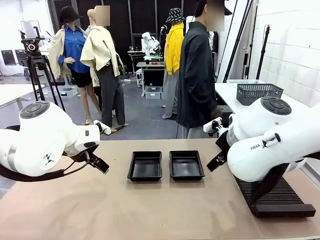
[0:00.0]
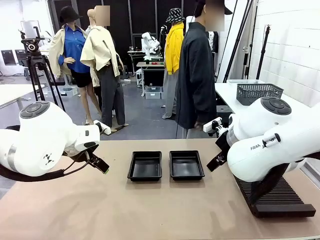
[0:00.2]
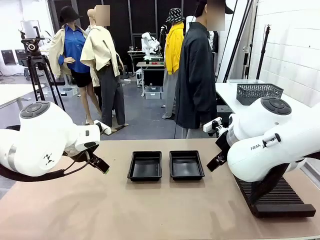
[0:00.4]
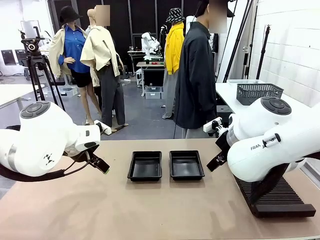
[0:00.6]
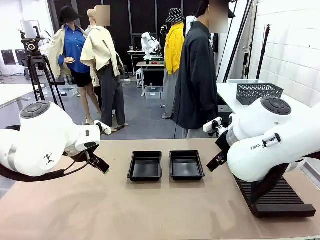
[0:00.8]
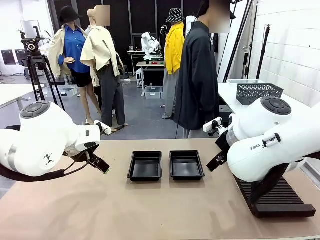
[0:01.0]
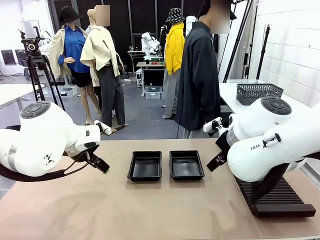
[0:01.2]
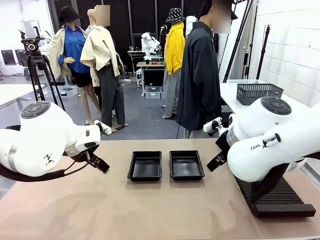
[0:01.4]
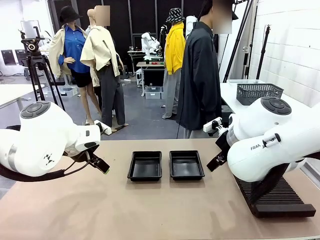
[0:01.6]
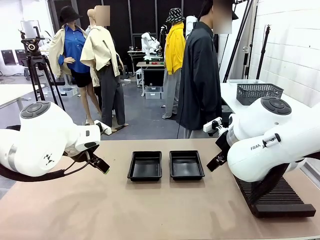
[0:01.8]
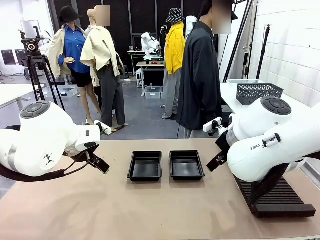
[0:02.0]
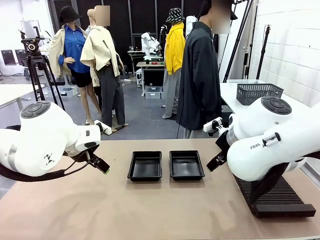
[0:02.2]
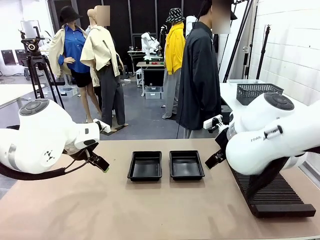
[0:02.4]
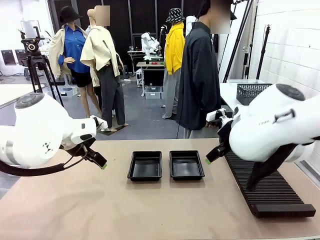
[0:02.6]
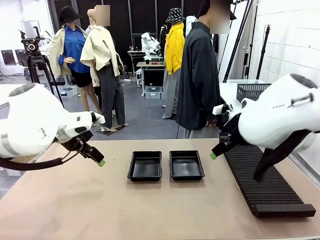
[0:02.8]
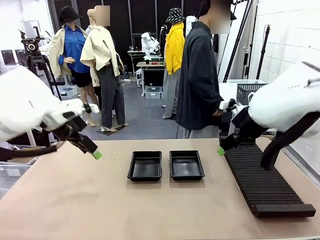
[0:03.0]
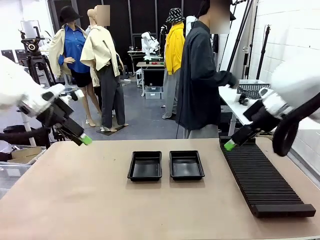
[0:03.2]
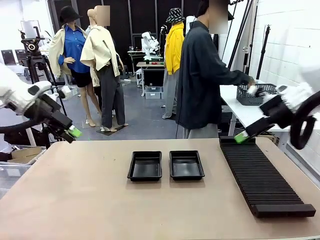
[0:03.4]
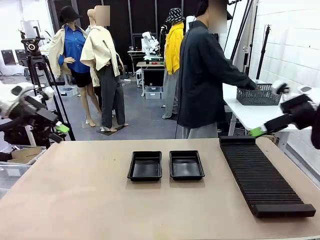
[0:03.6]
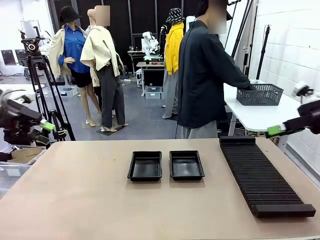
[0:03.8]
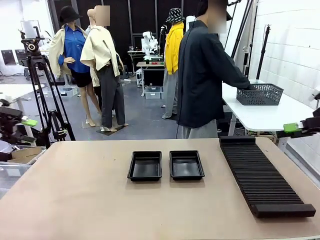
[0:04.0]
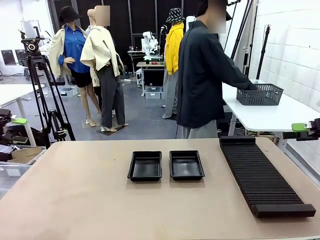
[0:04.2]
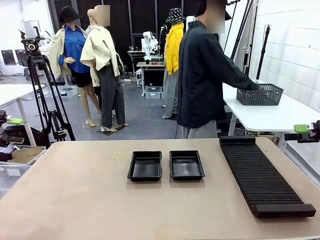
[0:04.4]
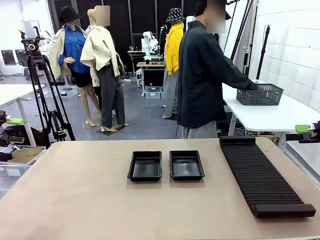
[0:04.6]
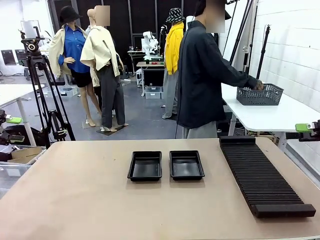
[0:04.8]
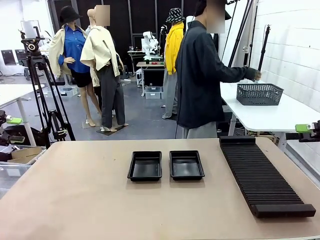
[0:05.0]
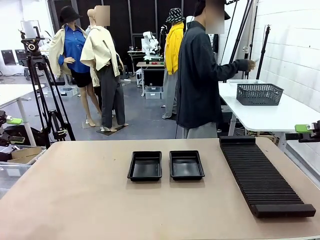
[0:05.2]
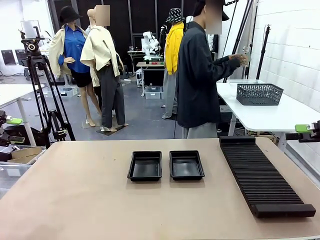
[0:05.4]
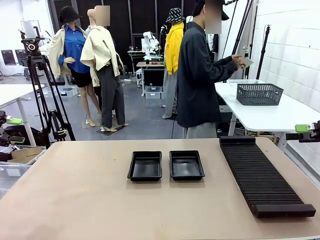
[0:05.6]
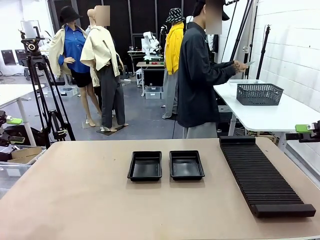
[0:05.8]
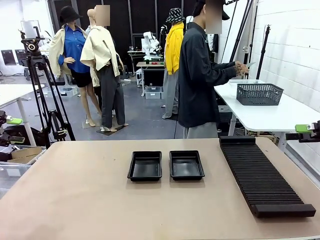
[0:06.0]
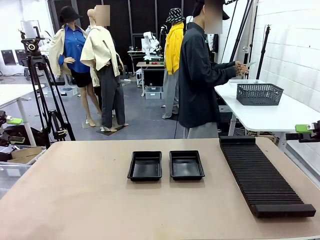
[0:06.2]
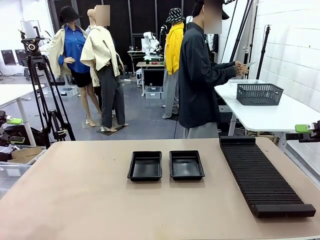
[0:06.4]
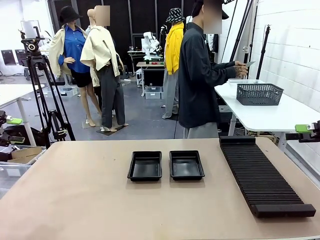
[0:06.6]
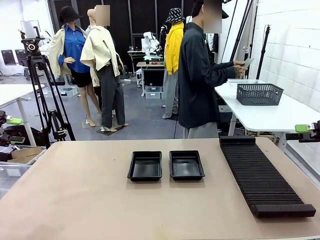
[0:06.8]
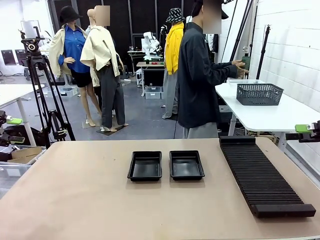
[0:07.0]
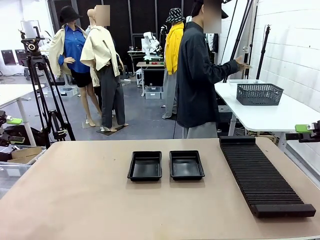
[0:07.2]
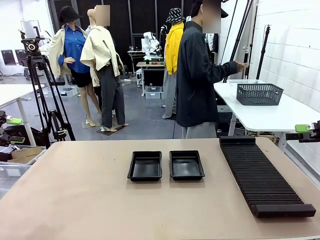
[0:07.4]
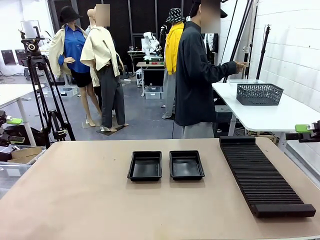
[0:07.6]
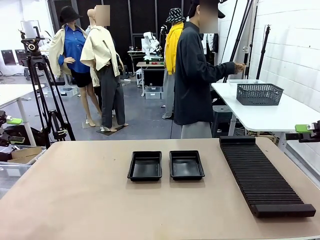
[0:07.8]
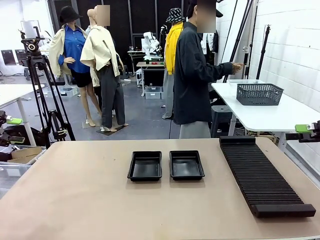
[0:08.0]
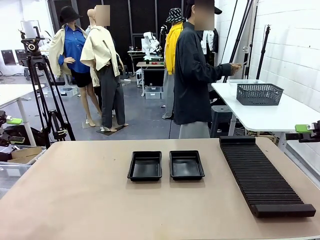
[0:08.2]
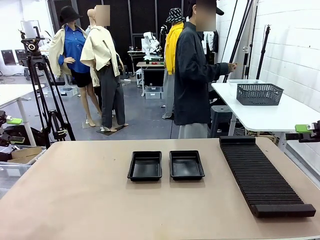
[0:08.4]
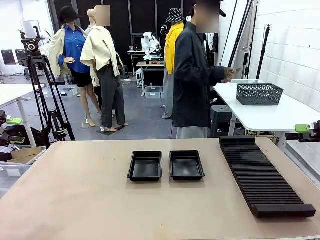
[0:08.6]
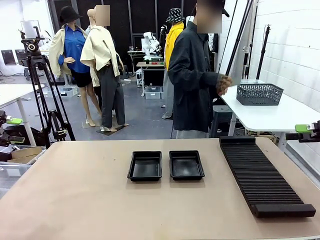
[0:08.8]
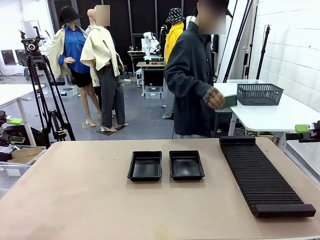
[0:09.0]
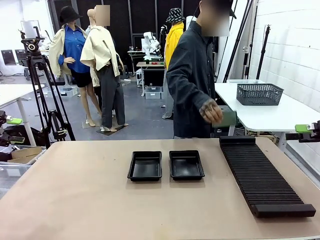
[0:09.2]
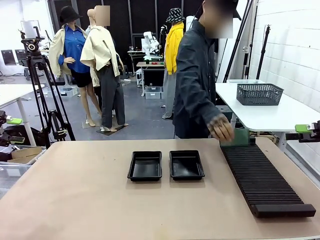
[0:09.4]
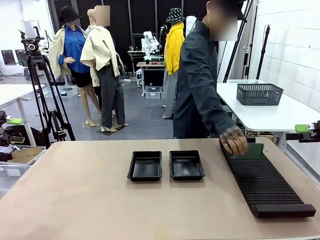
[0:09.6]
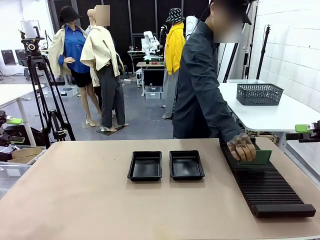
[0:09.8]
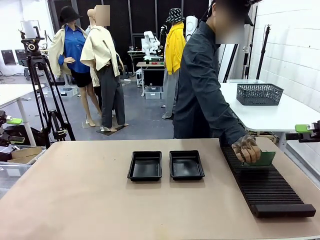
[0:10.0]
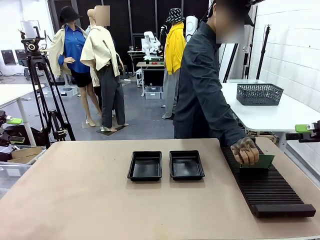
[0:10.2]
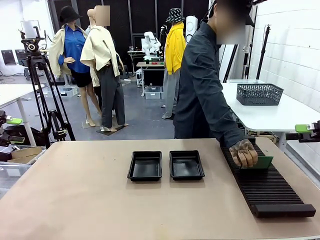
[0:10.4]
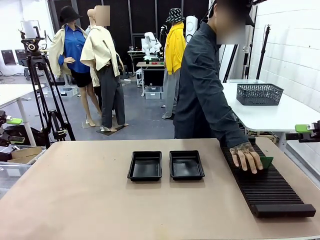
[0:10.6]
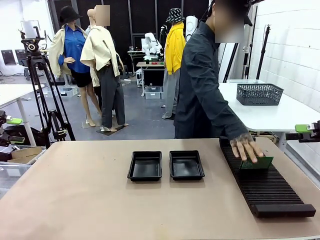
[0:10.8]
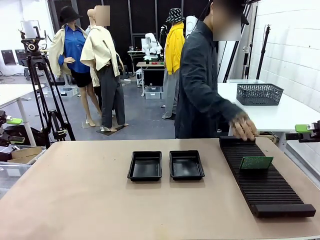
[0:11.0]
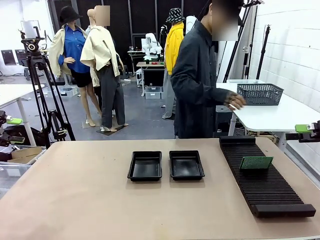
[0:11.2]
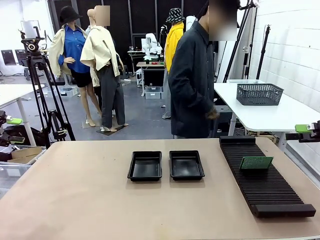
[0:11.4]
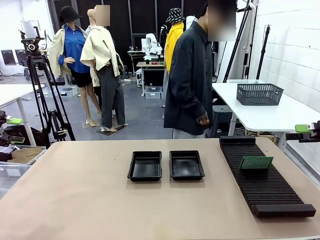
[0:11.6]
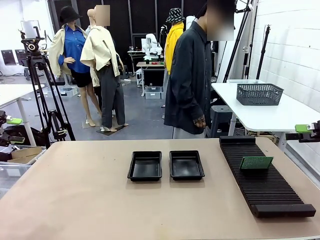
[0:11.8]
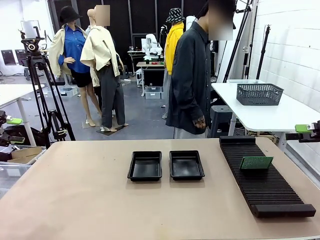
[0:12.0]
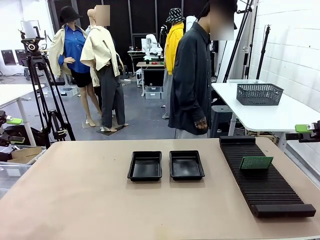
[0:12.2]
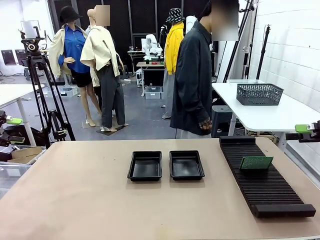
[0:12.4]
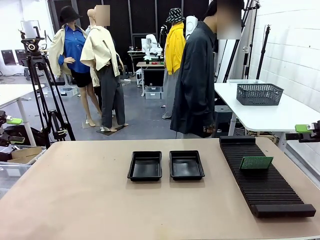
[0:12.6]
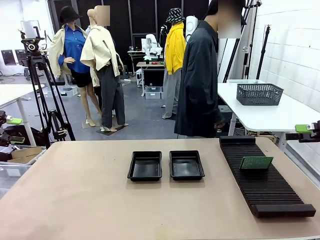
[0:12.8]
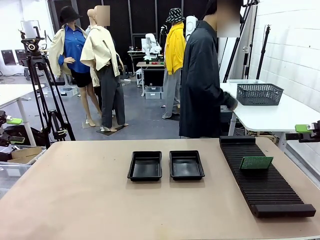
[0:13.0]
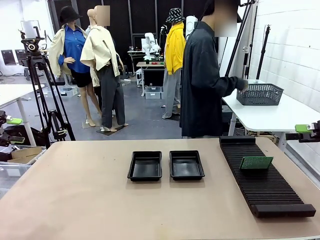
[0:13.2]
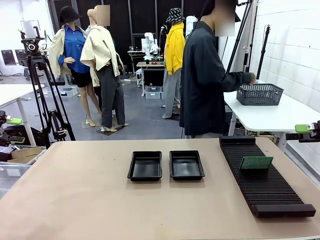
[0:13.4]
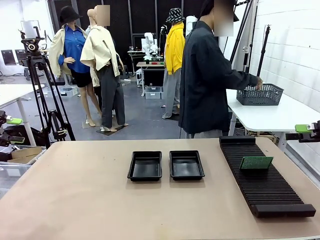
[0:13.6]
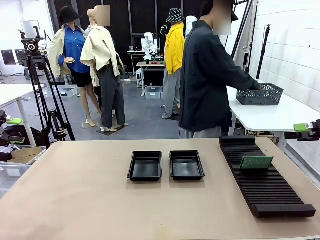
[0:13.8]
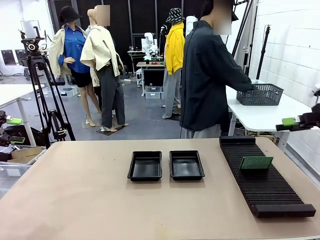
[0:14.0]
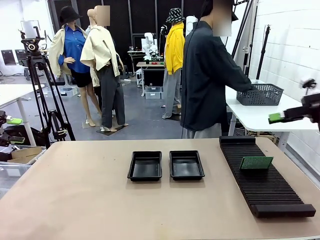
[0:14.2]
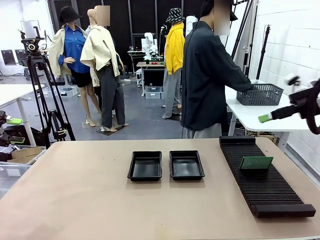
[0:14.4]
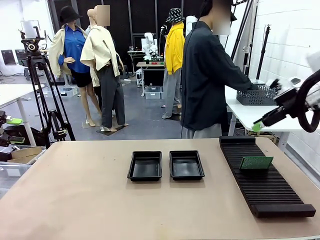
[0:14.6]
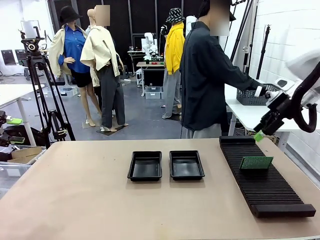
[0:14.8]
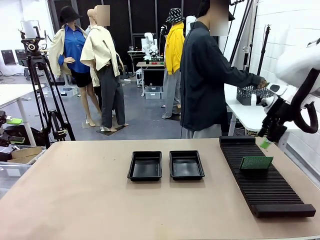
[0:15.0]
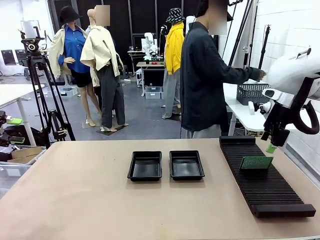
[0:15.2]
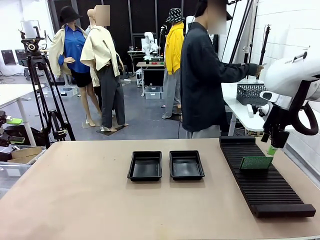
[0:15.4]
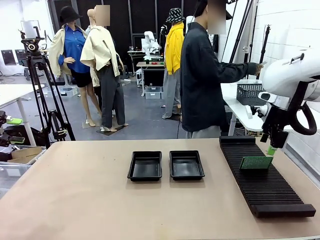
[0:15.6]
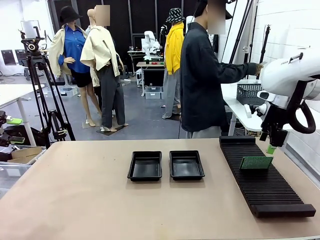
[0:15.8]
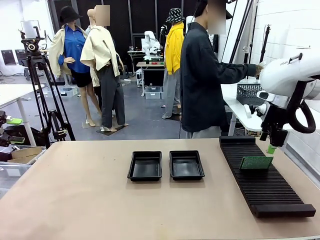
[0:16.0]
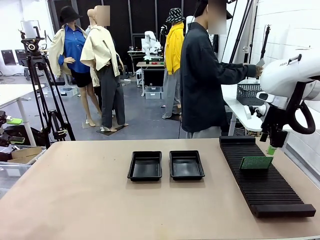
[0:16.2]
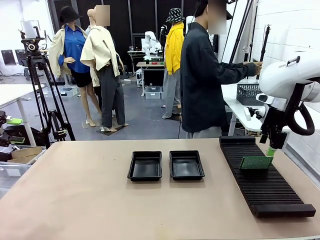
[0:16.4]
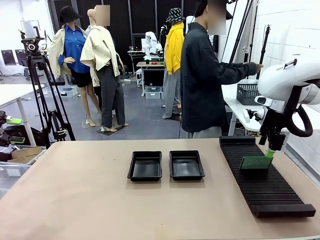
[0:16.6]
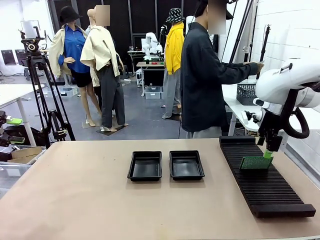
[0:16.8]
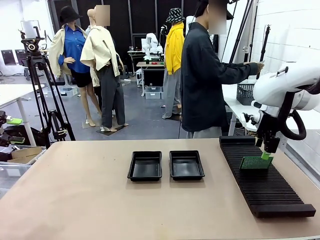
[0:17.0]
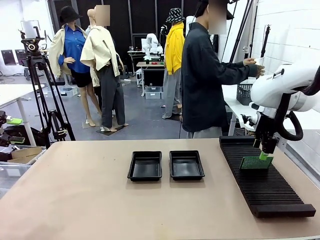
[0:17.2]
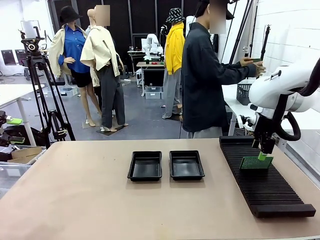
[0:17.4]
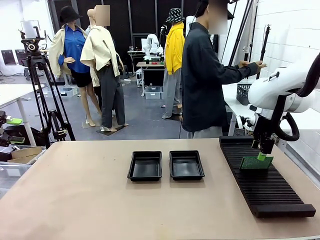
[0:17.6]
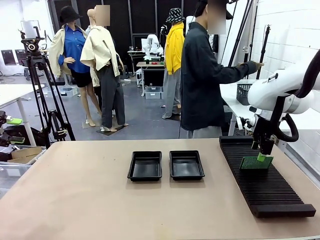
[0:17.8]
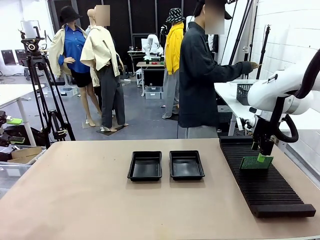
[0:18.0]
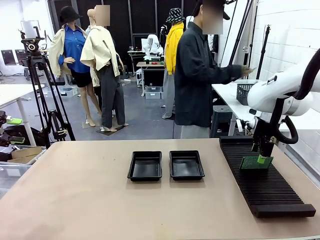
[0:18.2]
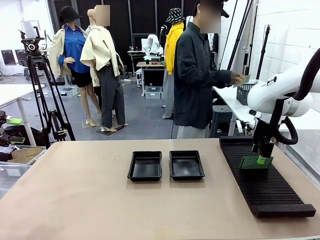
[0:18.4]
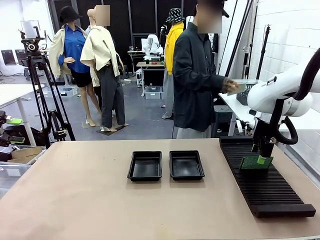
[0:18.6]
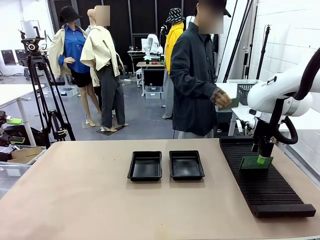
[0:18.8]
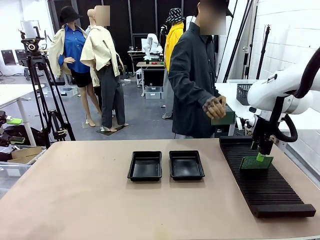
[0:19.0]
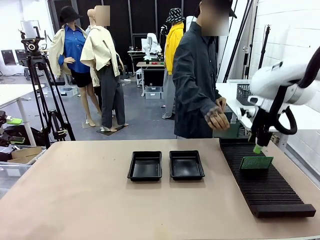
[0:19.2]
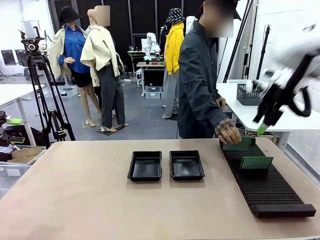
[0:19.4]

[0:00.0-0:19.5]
Task: Inspect and transfer BCBs to ESD trays.
Robot: Pick up the Blank PCB from the PCB Rack and place it in the left ESD tray.
